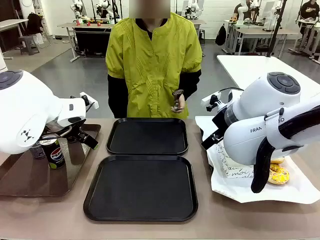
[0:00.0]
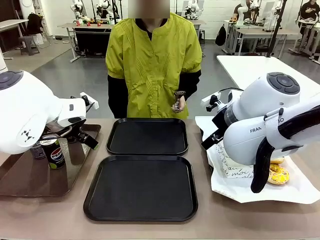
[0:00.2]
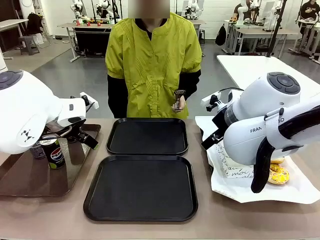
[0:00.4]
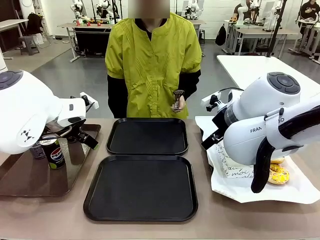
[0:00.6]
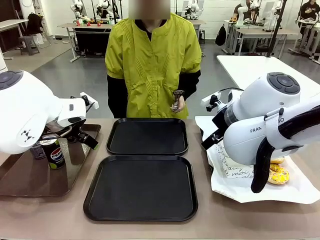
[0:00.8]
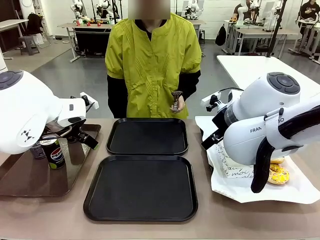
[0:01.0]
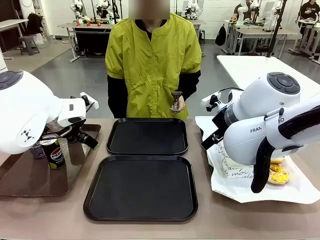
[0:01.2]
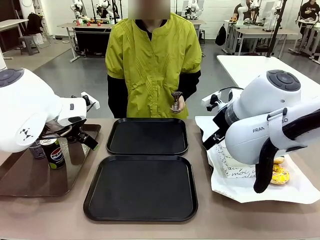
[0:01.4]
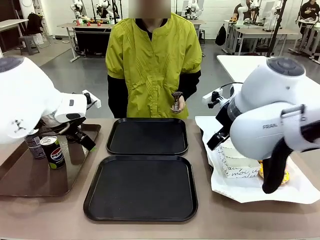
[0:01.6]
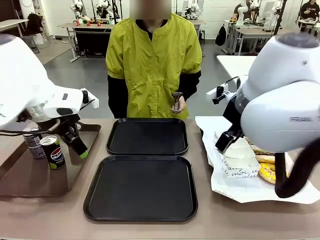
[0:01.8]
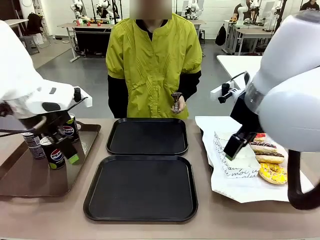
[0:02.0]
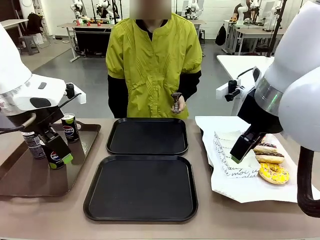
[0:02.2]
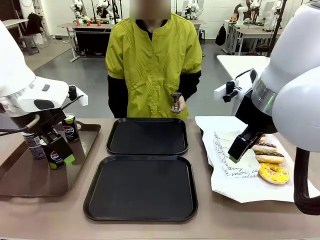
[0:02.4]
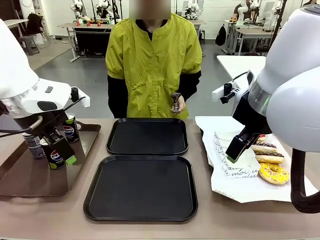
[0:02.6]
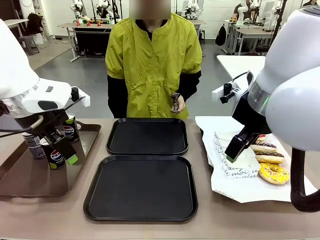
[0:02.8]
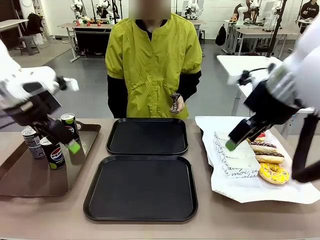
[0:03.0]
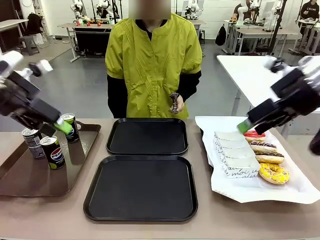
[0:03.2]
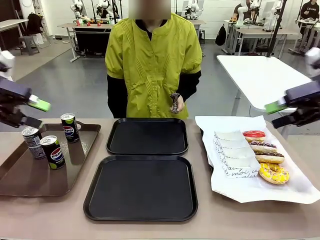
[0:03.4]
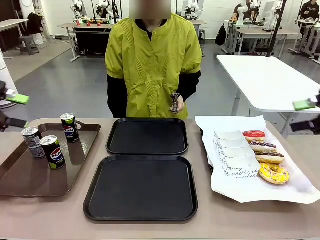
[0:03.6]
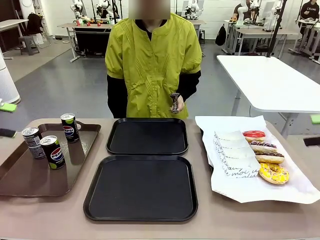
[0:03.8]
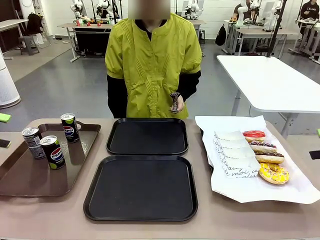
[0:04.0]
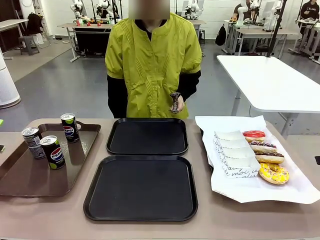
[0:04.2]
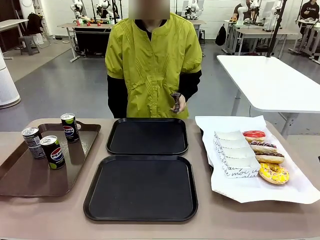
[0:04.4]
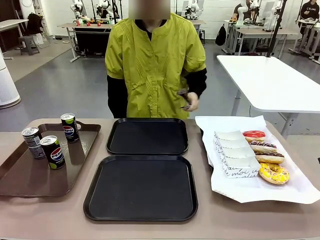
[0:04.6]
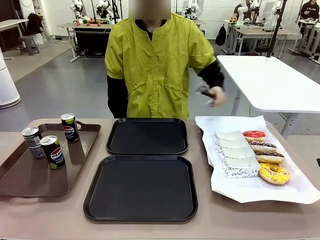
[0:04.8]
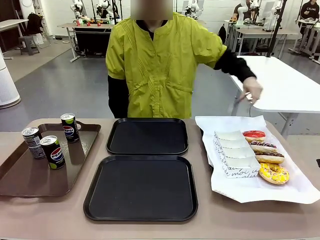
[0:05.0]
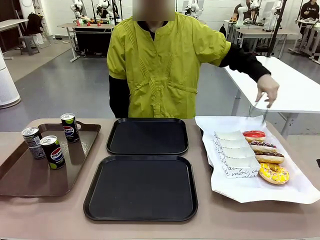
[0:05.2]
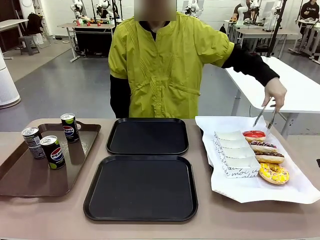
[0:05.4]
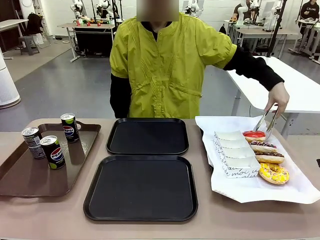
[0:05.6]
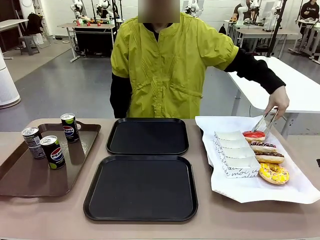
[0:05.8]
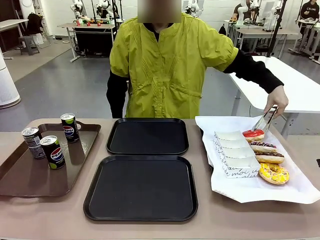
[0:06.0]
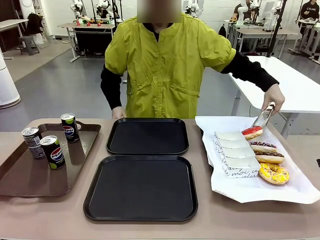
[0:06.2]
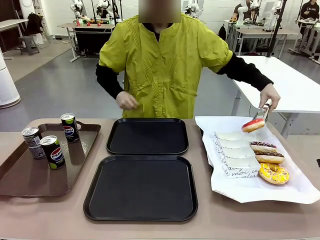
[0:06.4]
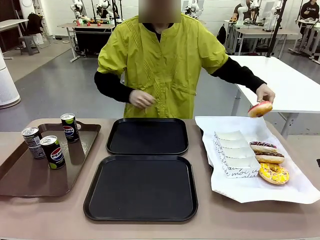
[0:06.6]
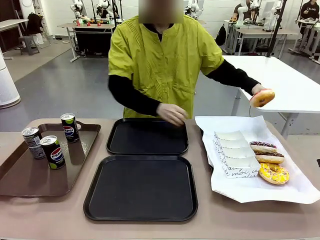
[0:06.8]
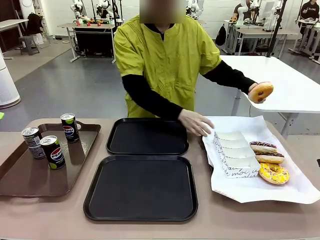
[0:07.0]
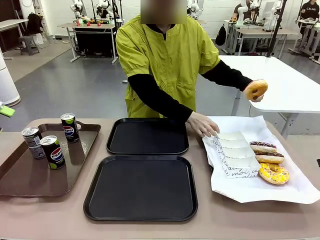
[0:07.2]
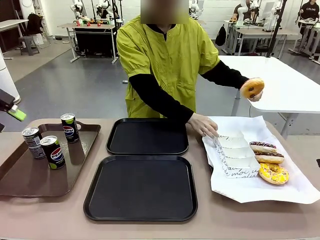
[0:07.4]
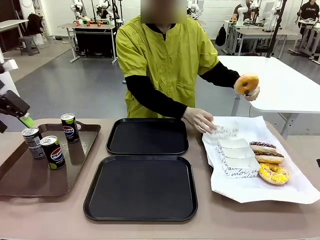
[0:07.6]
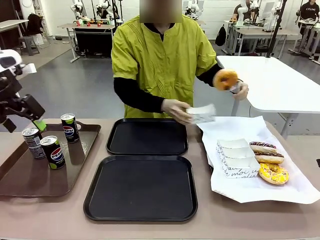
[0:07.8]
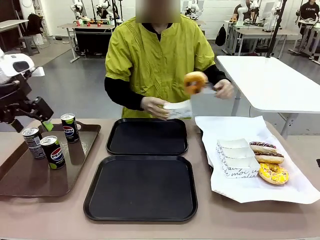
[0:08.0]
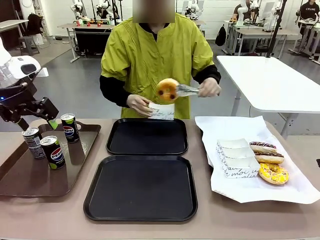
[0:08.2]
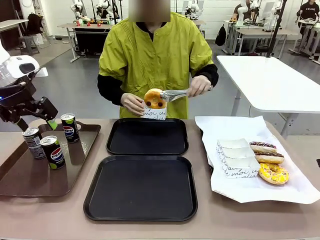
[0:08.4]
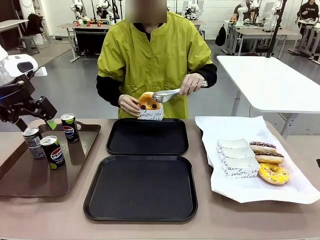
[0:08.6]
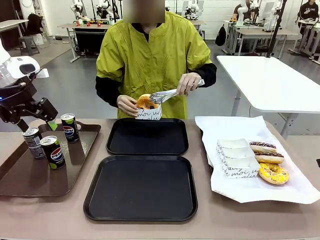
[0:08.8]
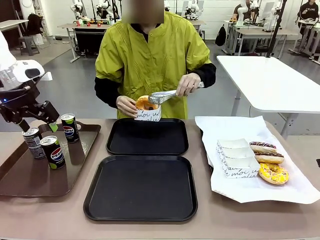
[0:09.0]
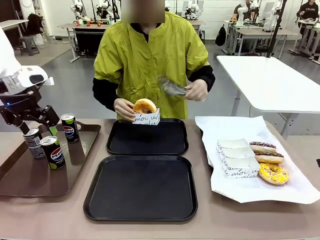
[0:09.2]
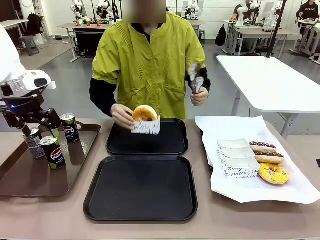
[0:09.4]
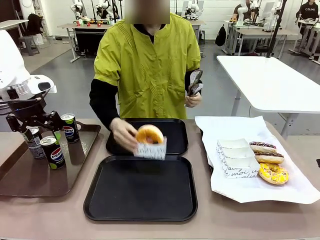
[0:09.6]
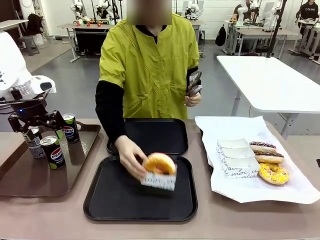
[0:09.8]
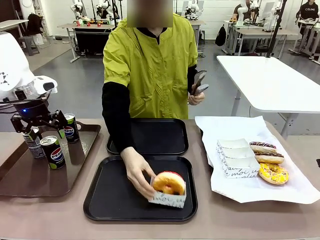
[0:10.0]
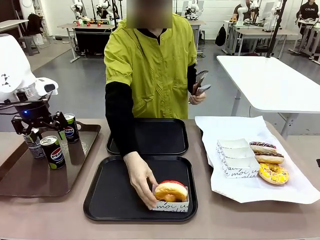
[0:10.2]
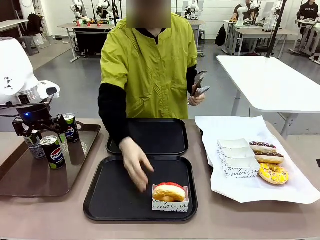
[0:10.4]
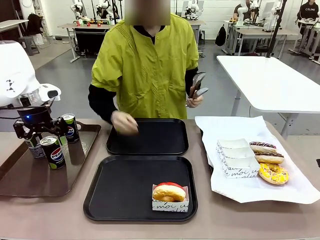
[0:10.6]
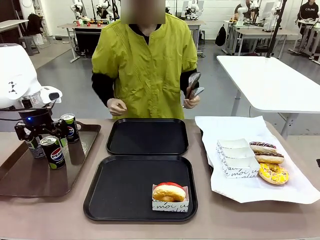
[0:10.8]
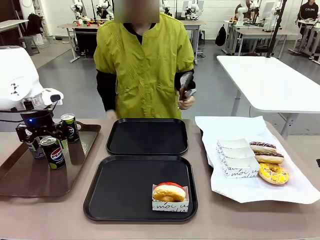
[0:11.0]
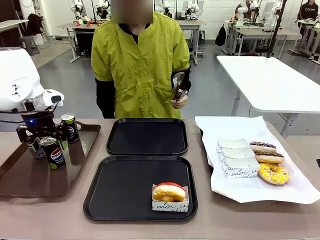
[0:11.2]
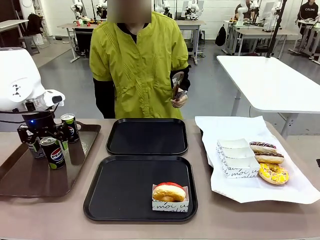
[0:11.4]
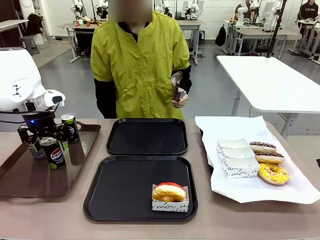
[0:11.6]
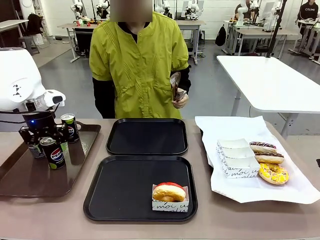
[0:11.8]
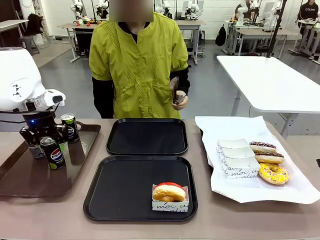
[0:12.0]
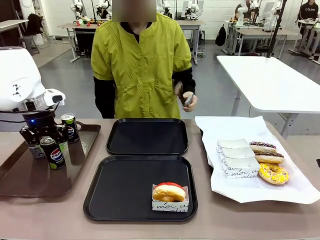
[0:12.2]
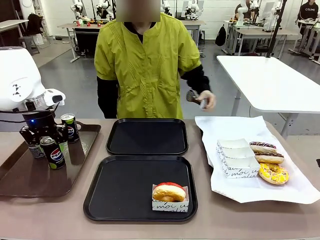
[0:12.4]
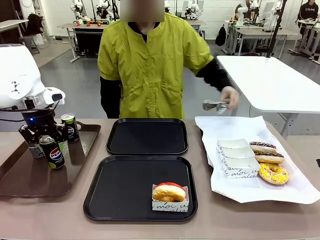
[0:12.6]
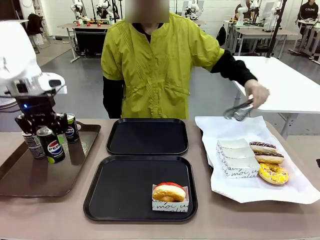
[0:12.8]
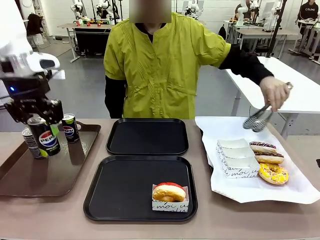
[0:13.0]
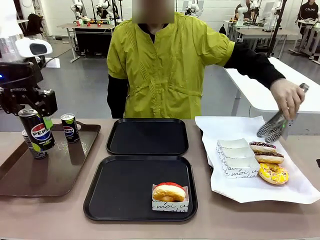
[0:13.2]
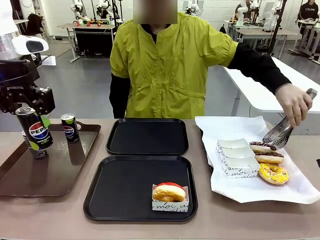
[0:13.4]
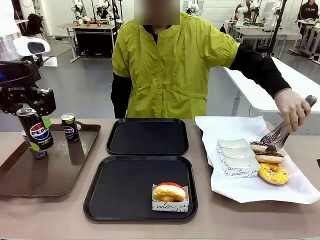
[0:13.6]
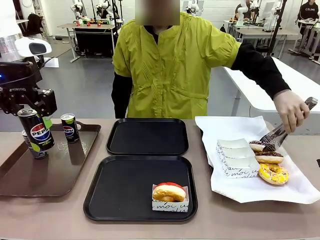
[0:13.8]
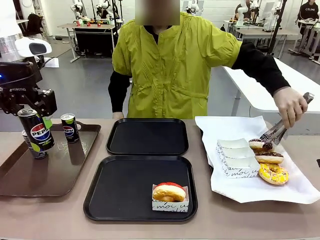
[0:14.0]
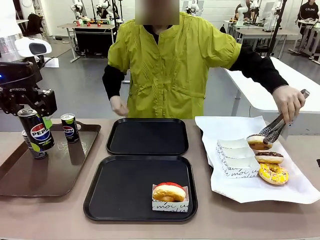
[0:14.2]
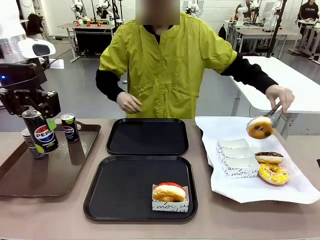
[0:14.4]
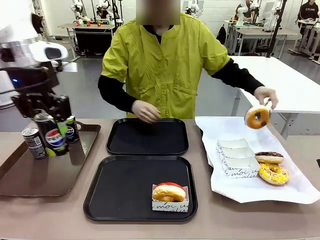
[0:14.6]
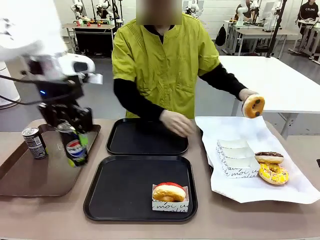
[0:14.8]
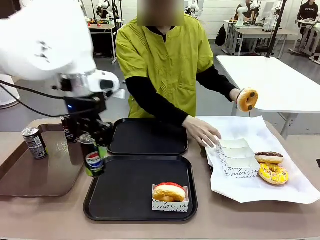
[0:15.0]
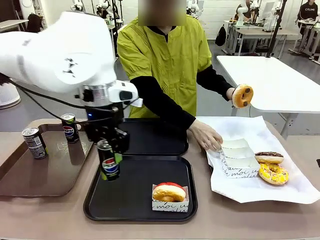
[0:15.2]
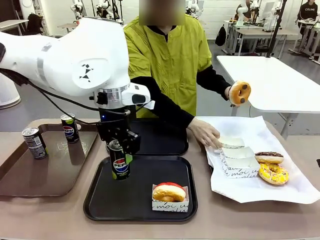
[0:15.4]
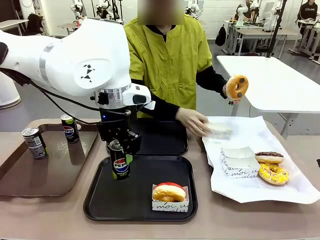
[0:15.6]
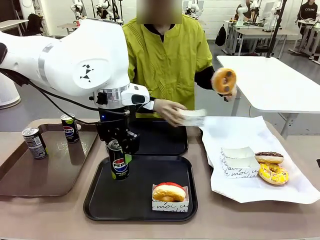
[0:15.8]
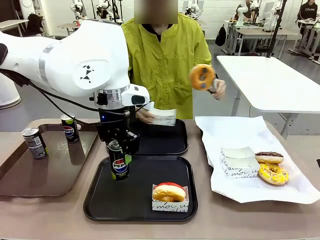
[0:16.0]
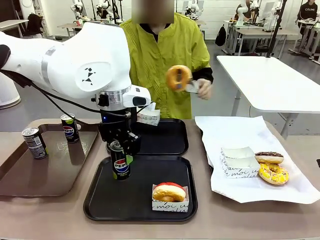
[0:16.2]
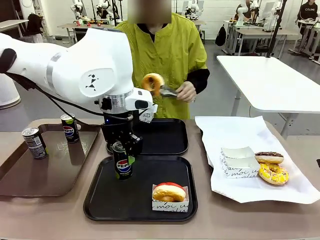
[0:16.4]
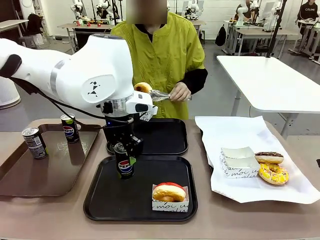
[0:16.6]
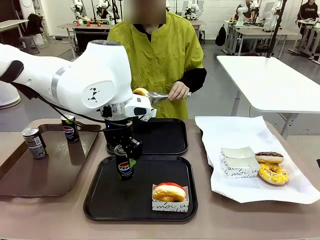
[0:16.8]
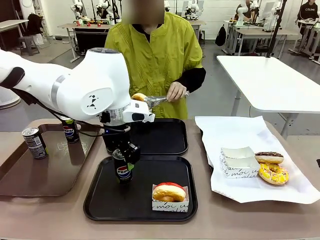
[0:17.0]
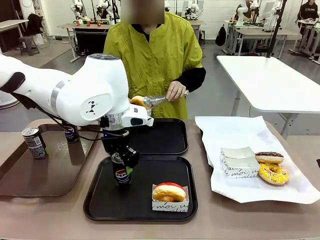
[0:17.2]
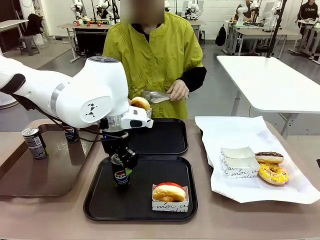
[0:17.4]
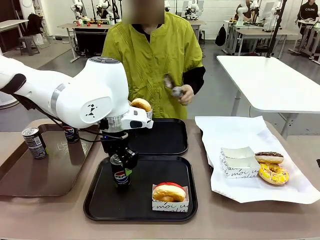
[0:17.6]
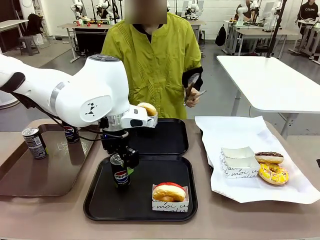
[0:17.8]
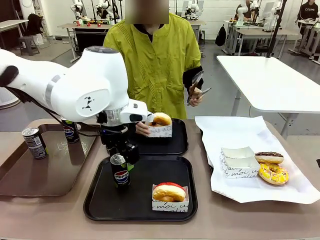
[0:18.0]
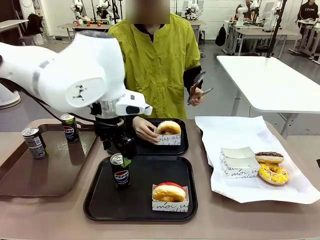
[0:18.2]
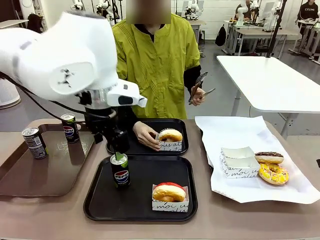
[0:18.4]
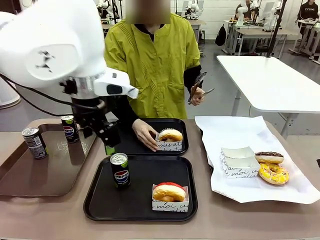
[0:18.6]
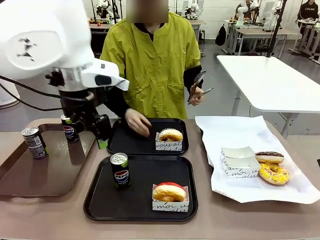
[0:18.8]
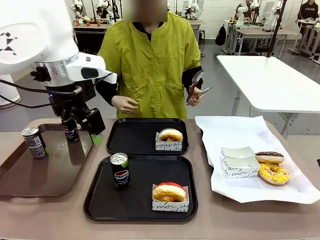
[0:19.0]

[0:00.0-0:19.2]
Task: Set up donuts and drinks on trays.
Robot: Pick up one Pepsi coke and place it on the Flat Tray.
